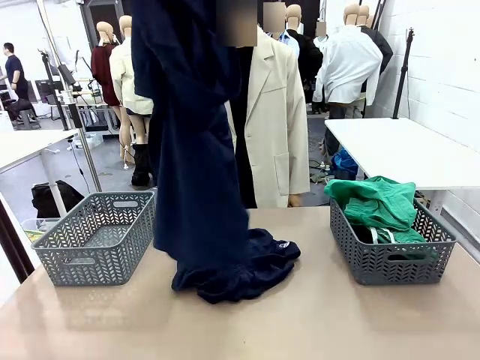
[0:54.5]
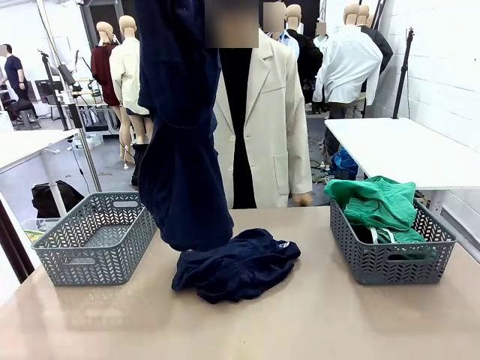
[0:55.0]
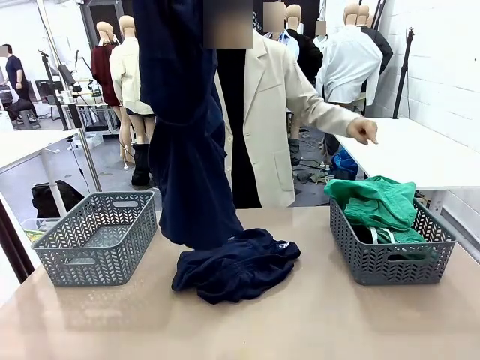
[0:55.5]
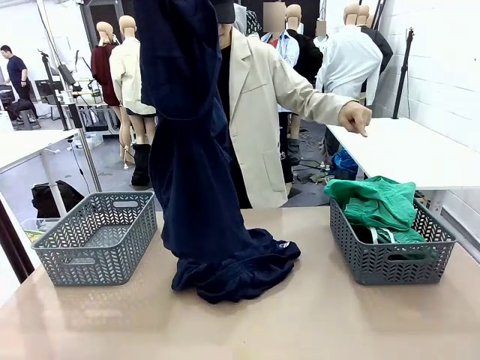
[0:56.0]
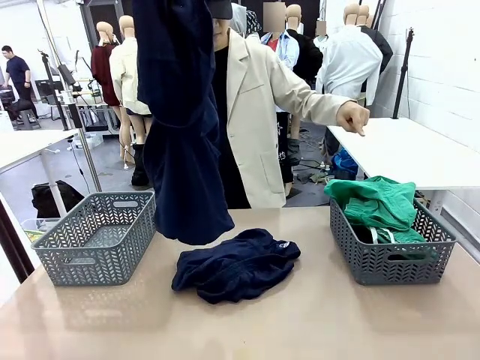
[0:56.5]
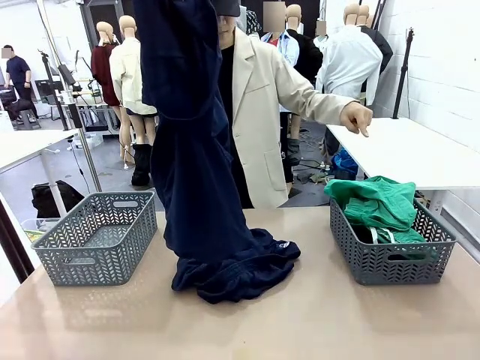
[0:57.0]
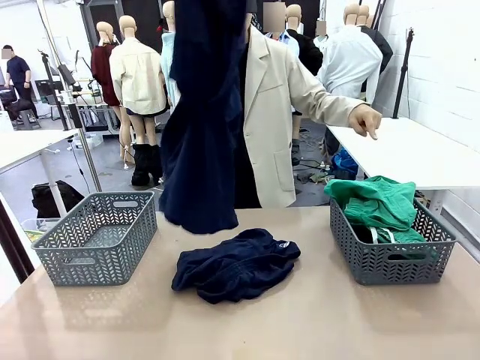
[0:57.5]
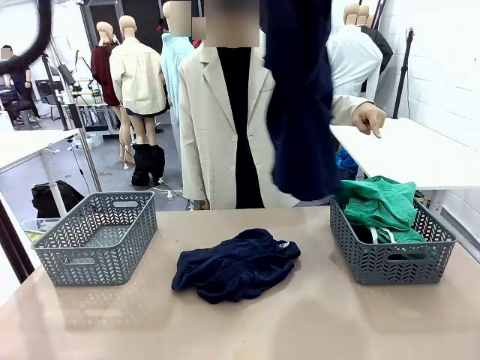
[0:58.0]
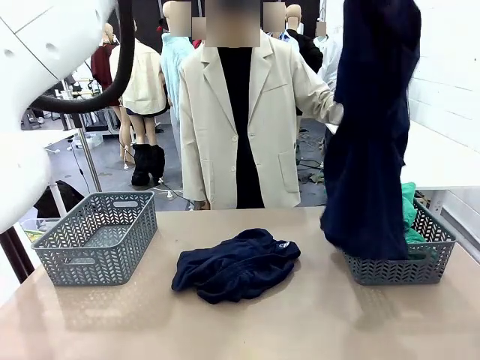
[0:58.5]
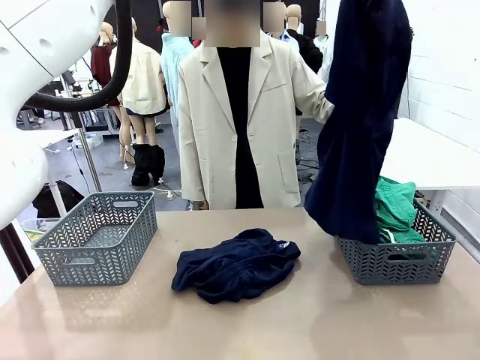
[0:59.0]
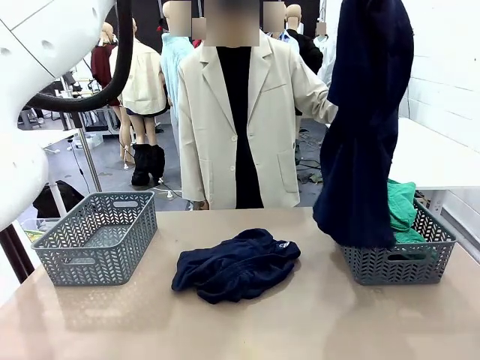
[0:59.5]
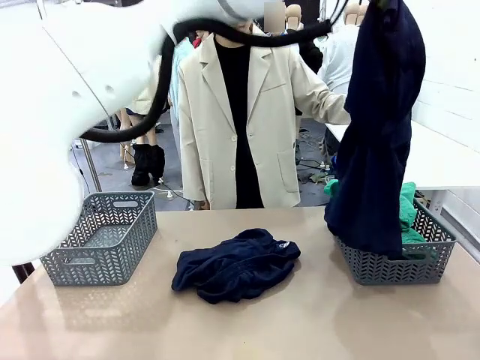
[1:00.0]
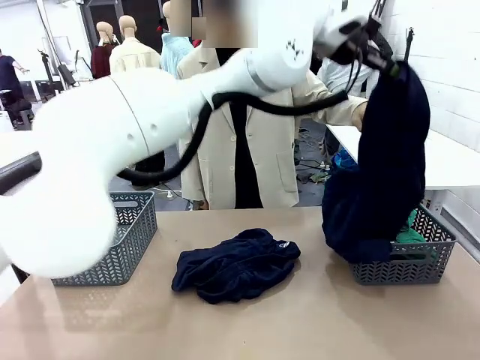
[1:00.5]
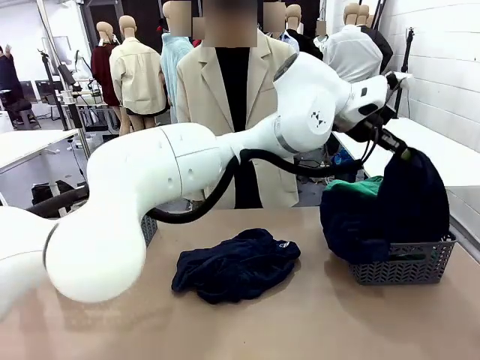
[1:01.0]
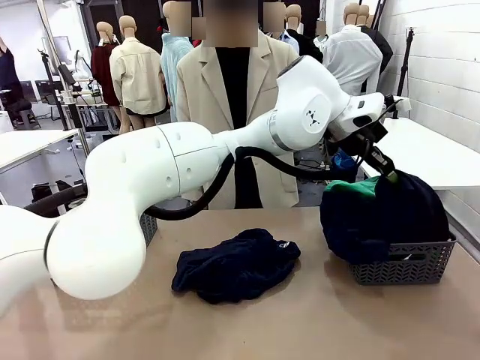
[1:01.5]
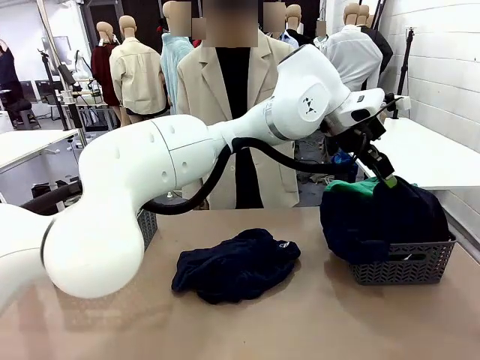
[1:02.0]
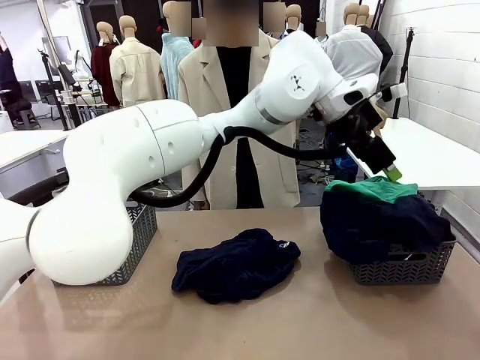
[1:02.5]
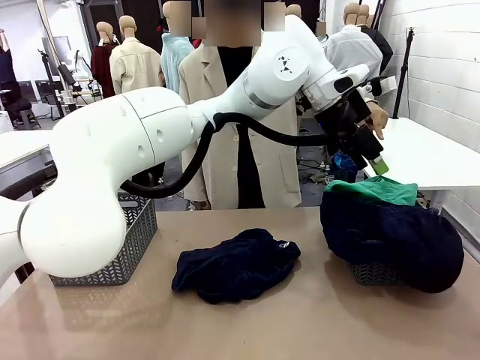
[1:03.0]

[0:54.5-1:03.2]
Task: Sort the tops and bottoms.
Robot: Sort the clothes according to human instructions.

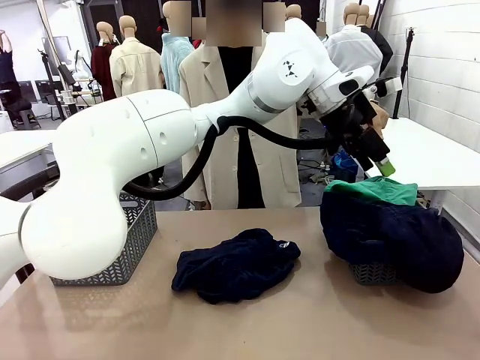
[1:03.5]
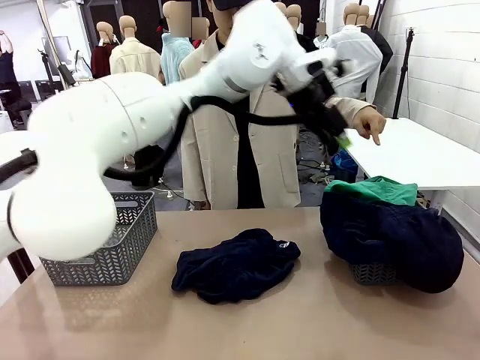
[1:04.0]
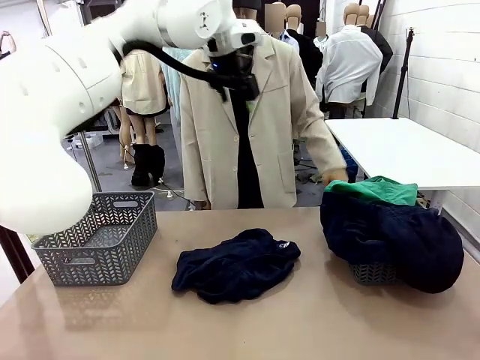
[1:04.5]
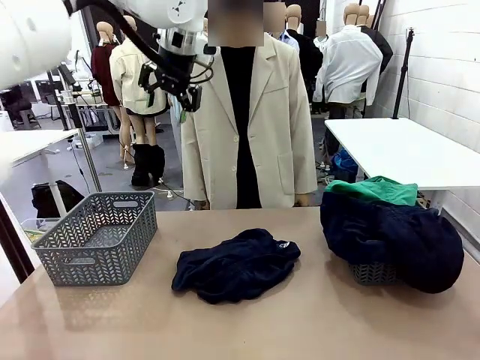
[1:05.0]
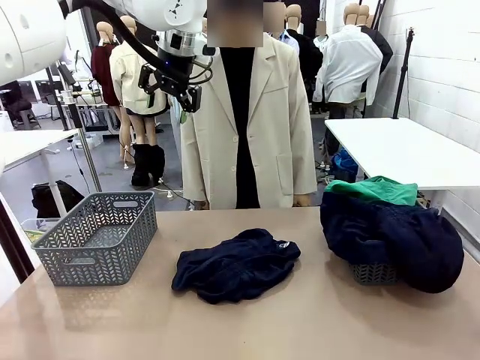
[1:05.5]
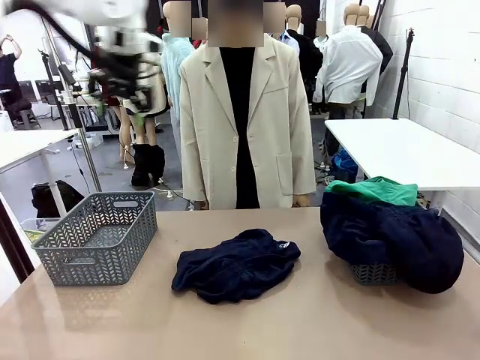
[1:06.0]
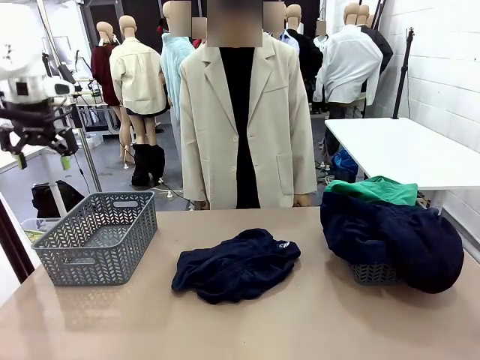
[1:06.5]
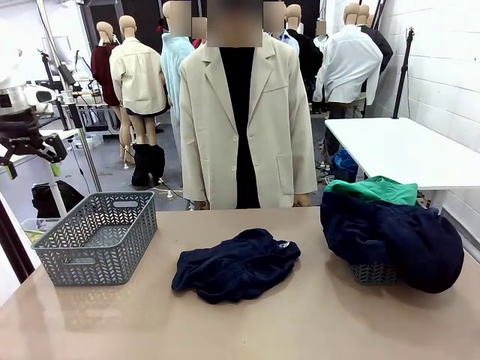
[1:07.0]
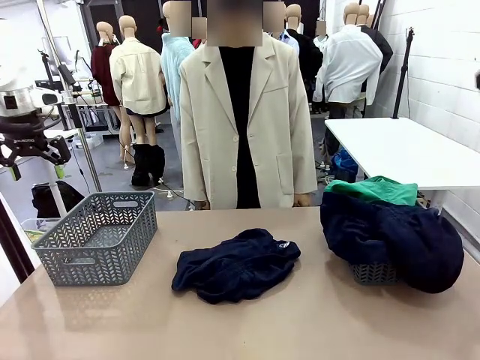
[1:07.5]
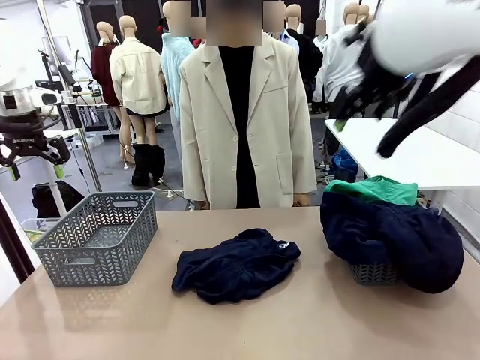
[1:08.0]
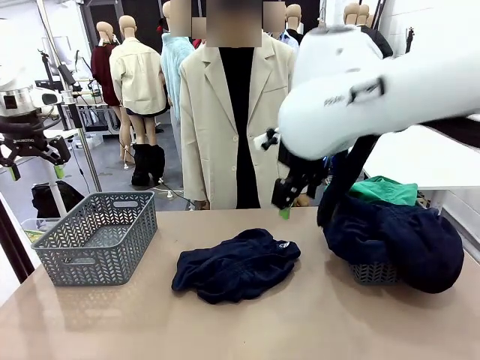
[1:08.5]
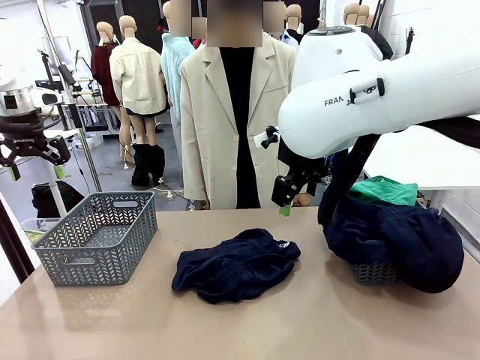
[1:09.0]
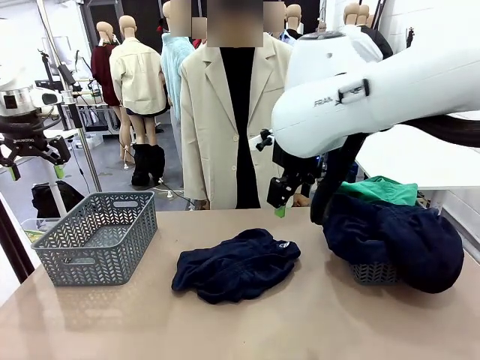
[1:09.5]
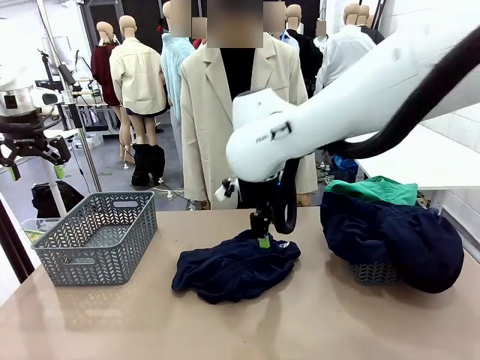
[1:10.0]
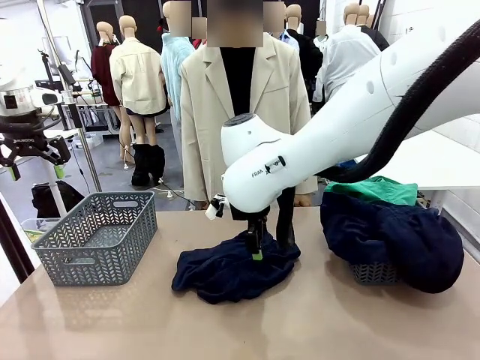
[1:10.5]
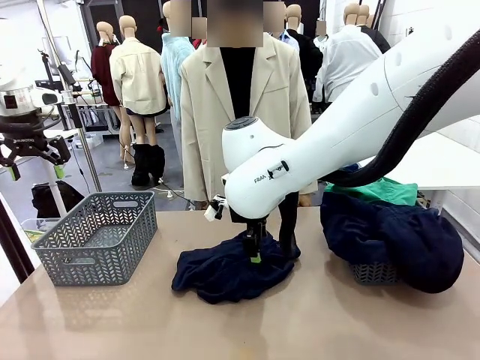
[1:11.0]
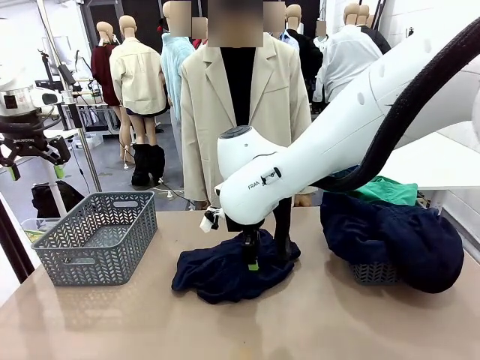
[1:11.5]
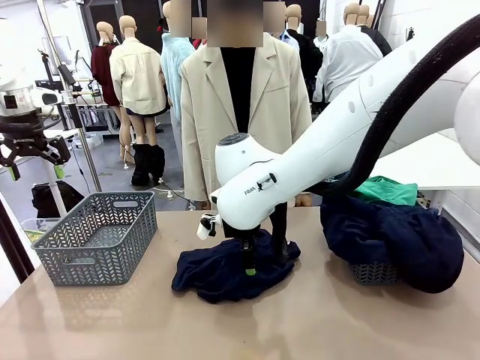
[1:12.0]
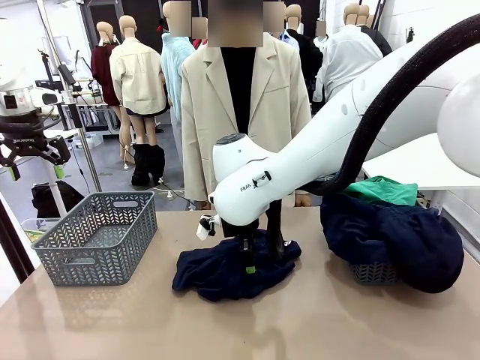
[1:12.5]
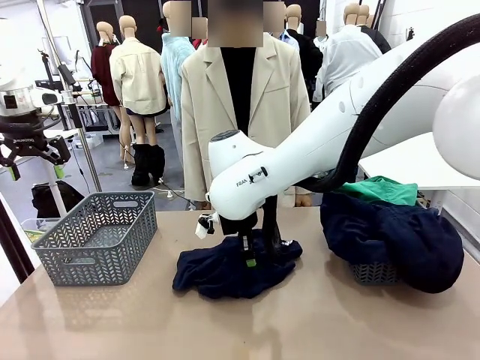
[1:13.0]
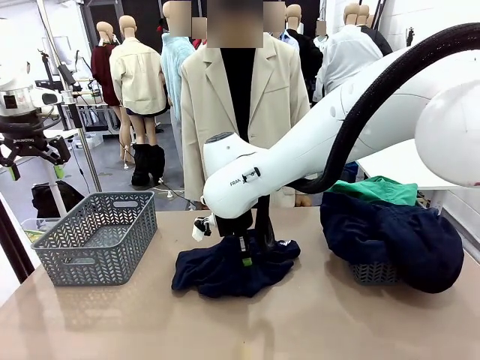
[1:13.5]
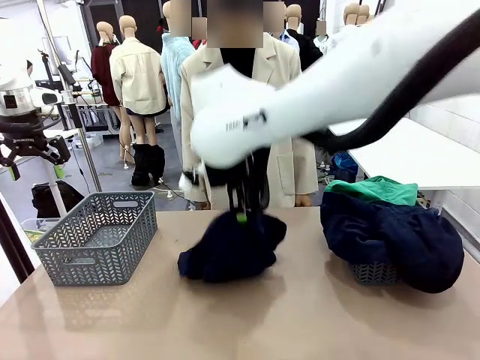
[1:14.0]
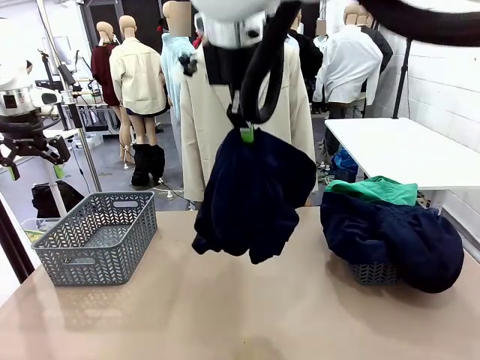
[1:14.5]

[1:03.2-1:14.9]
Robot: Lift clothes from the center of the table with your right hand.

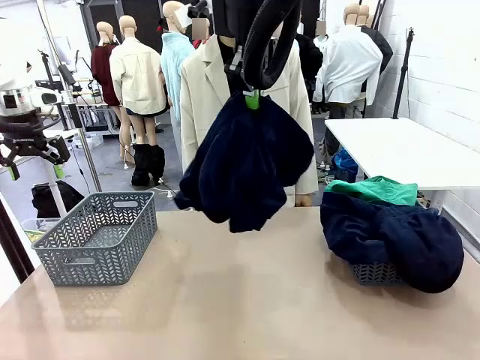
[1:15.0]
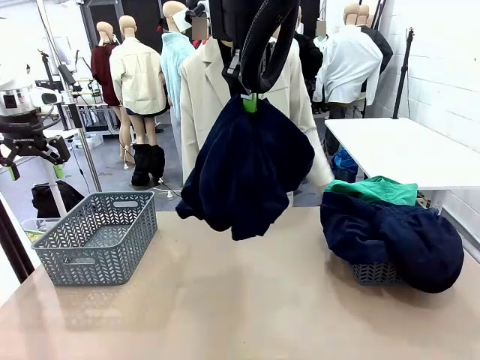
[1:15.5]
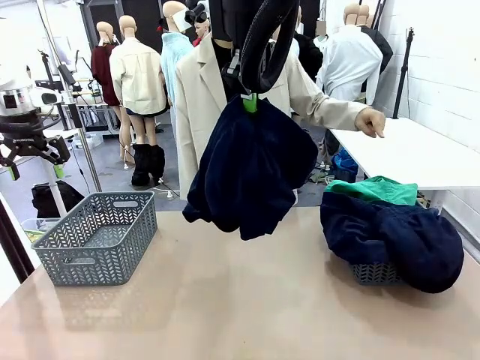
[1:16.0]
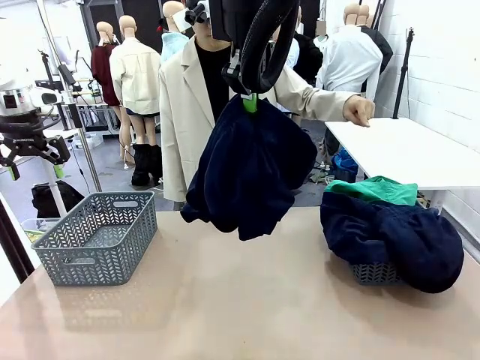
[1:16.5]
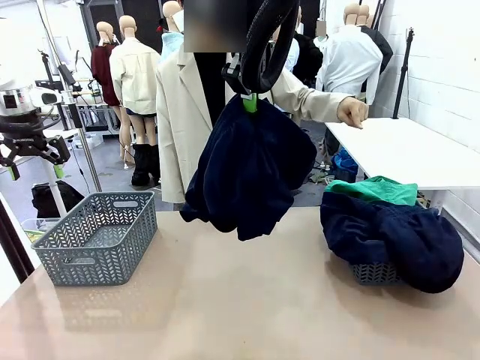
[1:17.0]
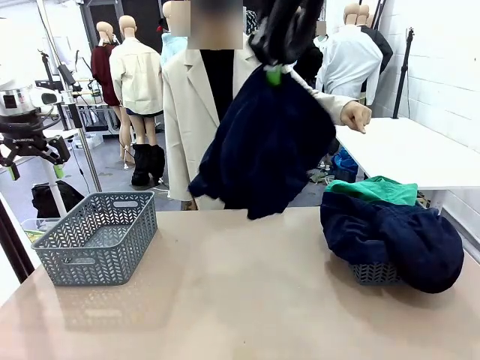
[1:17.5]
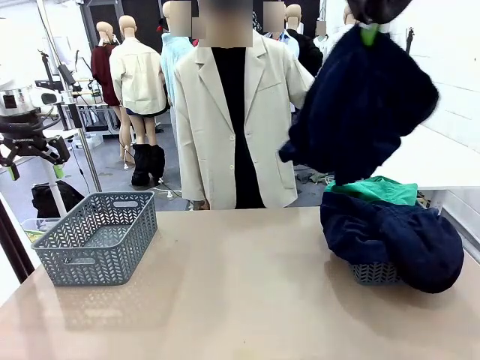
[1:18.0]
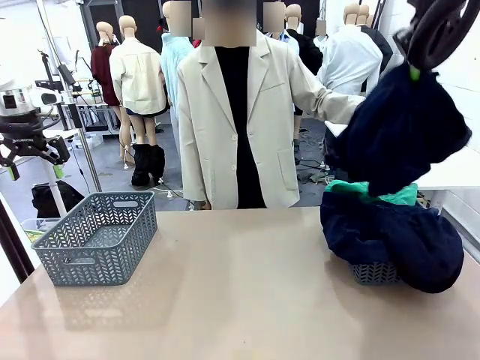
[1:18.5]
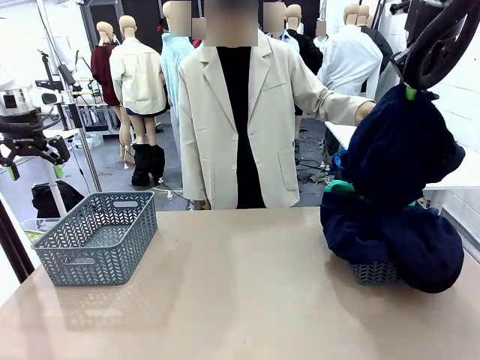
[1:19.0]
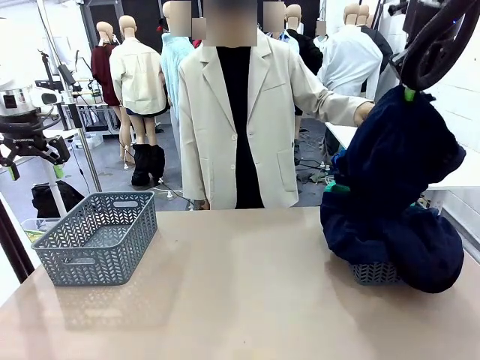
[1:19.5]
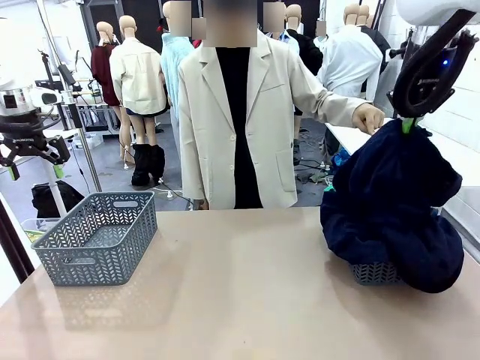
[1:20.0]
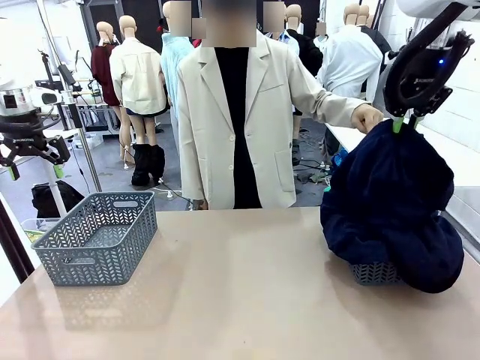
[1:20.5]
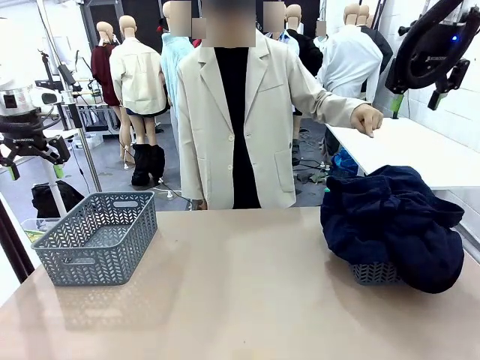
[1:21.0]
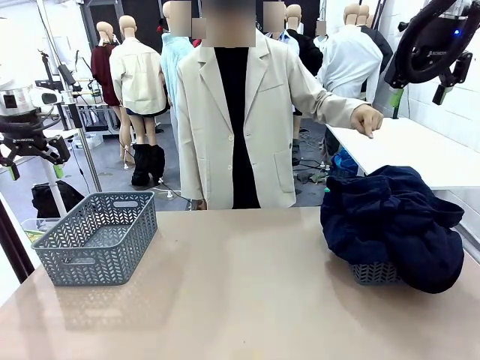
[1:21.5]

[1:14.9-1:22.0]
Robot: Sort the clothes according to human instructions.
